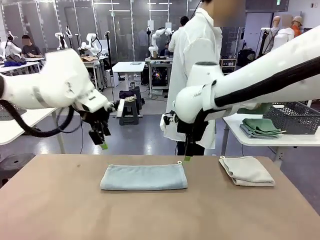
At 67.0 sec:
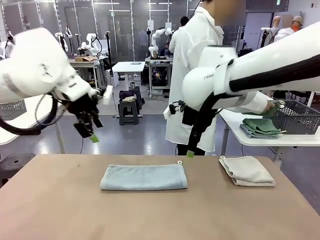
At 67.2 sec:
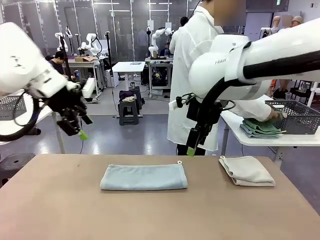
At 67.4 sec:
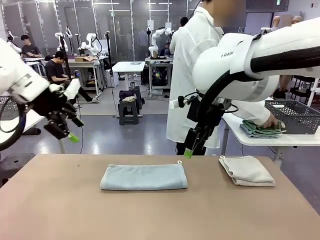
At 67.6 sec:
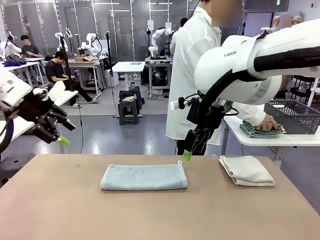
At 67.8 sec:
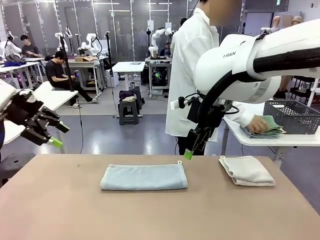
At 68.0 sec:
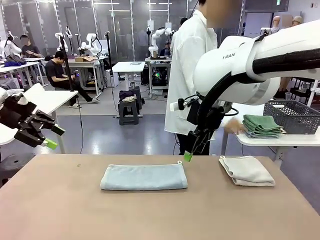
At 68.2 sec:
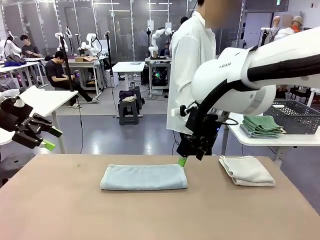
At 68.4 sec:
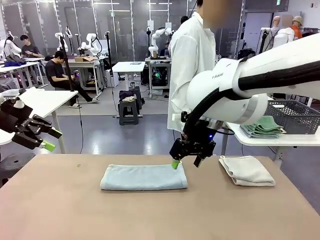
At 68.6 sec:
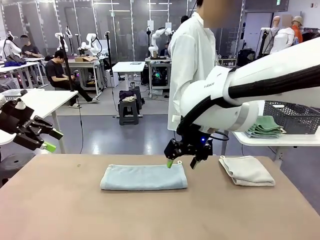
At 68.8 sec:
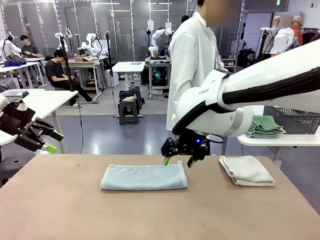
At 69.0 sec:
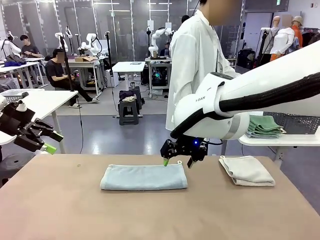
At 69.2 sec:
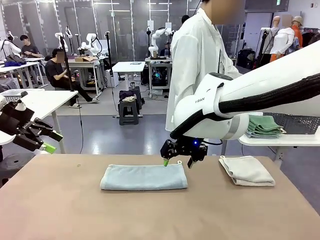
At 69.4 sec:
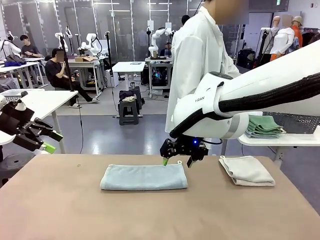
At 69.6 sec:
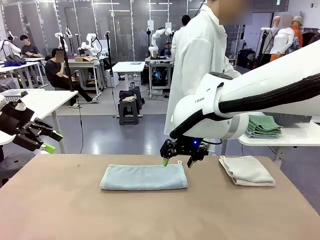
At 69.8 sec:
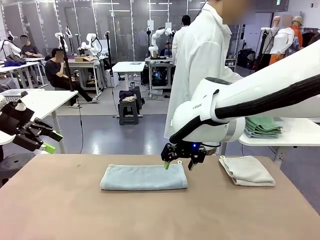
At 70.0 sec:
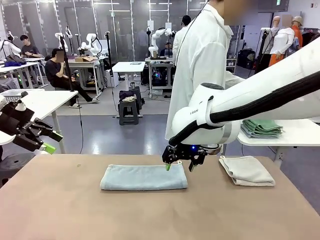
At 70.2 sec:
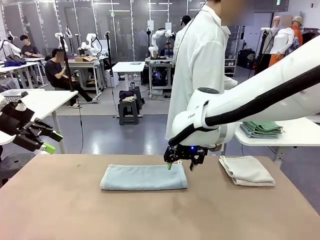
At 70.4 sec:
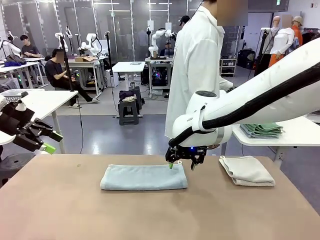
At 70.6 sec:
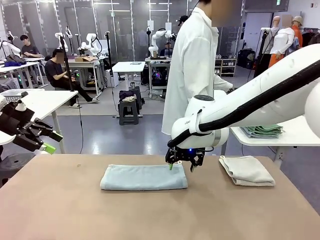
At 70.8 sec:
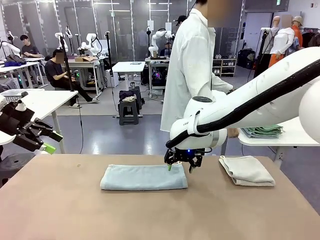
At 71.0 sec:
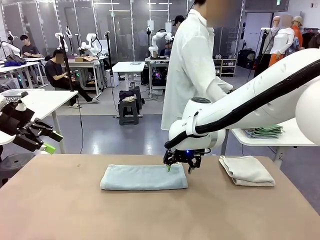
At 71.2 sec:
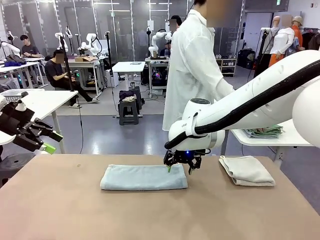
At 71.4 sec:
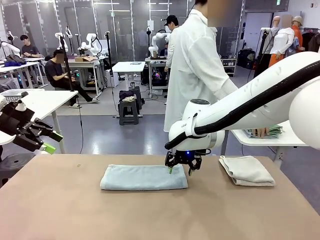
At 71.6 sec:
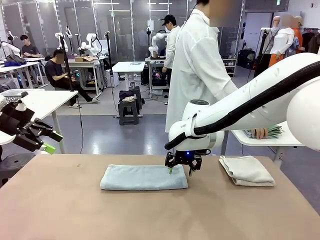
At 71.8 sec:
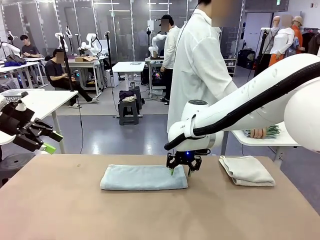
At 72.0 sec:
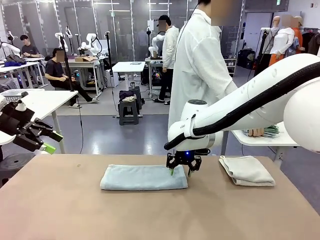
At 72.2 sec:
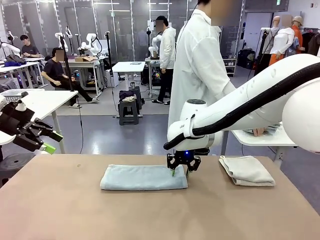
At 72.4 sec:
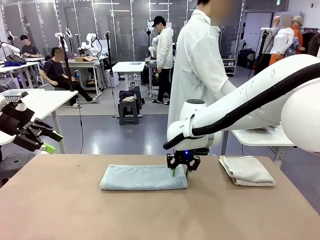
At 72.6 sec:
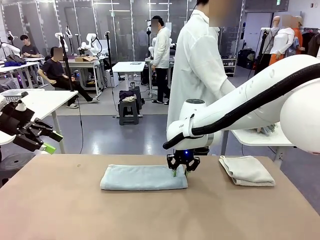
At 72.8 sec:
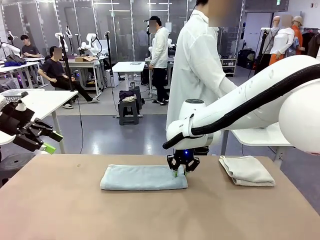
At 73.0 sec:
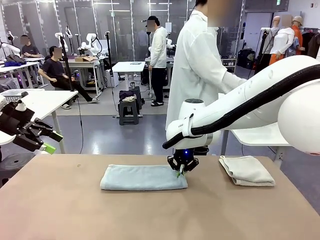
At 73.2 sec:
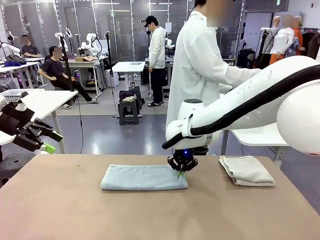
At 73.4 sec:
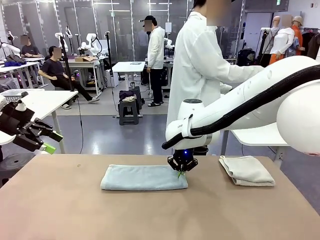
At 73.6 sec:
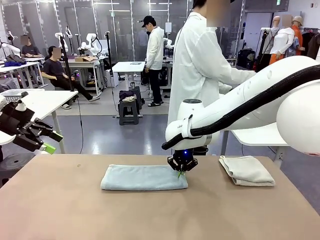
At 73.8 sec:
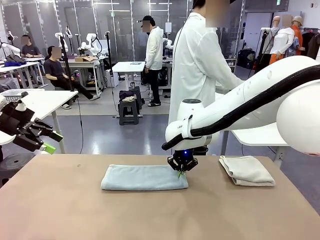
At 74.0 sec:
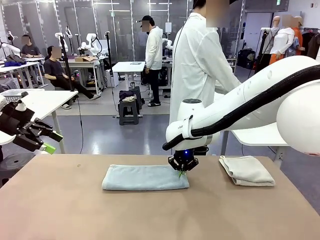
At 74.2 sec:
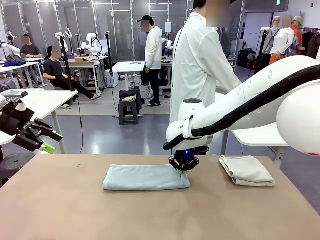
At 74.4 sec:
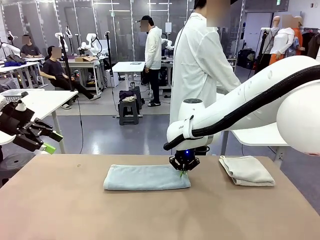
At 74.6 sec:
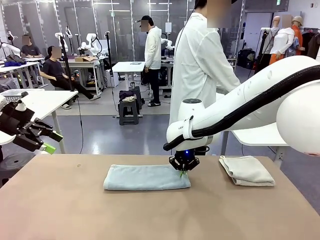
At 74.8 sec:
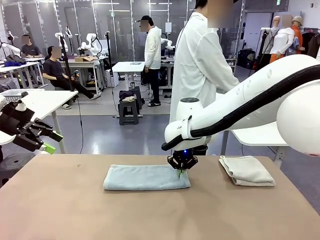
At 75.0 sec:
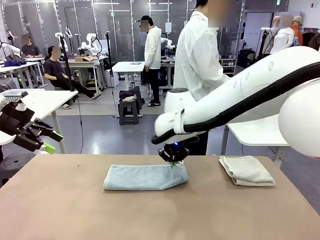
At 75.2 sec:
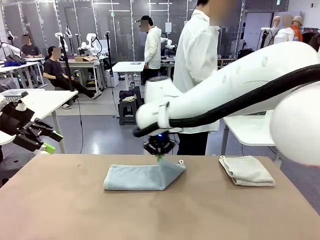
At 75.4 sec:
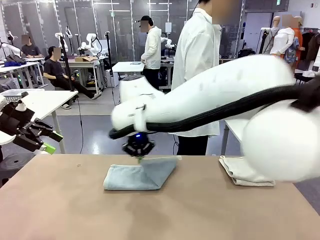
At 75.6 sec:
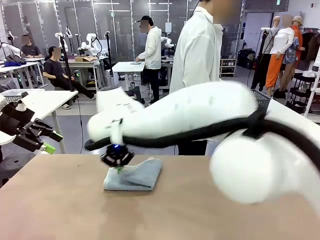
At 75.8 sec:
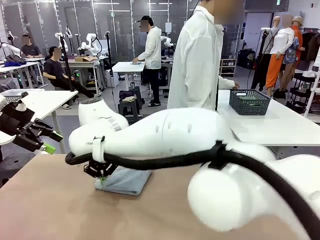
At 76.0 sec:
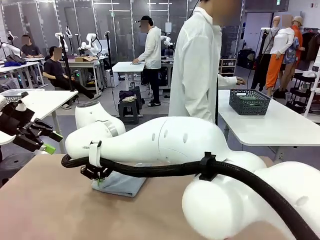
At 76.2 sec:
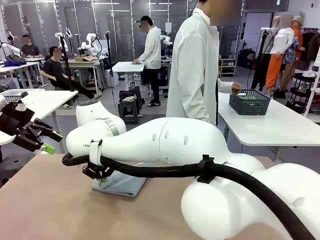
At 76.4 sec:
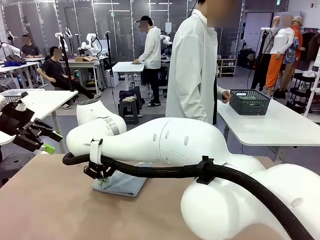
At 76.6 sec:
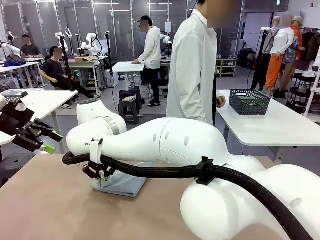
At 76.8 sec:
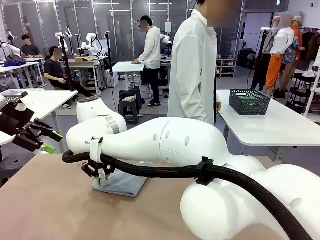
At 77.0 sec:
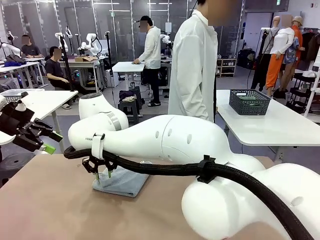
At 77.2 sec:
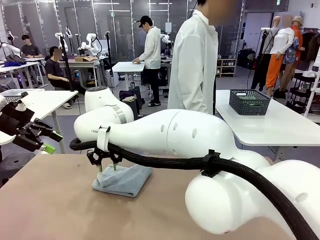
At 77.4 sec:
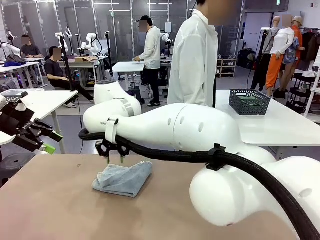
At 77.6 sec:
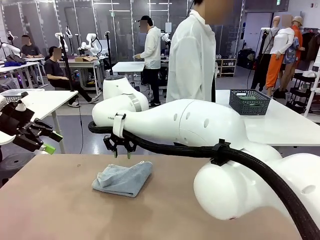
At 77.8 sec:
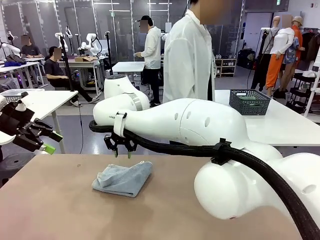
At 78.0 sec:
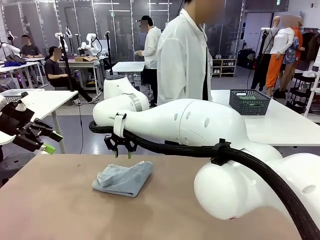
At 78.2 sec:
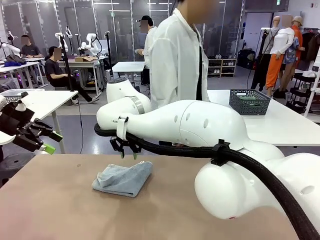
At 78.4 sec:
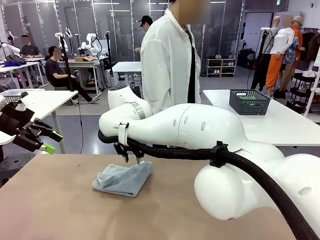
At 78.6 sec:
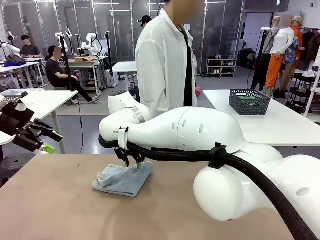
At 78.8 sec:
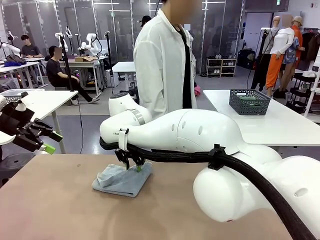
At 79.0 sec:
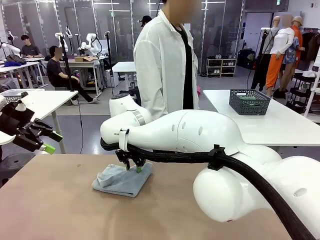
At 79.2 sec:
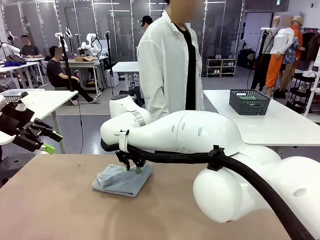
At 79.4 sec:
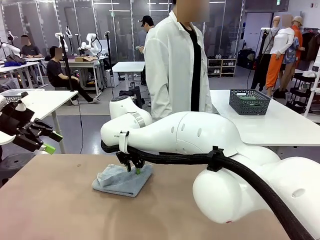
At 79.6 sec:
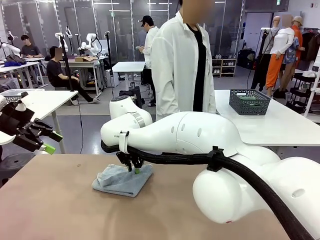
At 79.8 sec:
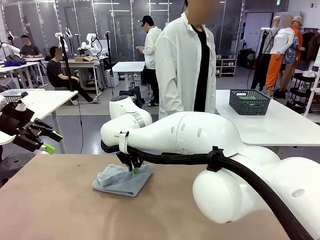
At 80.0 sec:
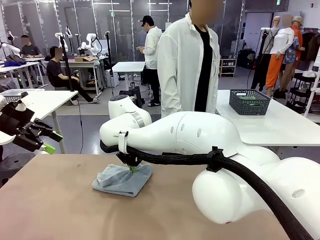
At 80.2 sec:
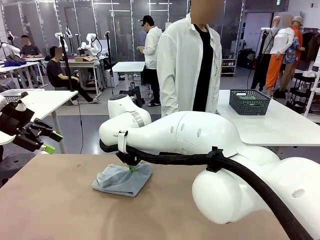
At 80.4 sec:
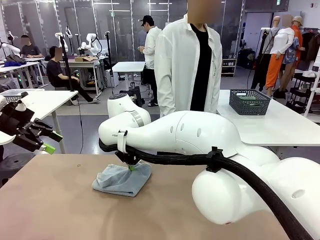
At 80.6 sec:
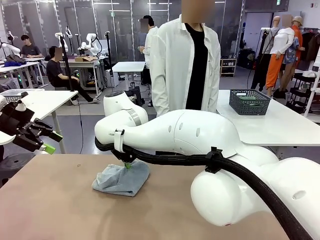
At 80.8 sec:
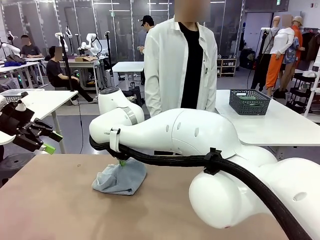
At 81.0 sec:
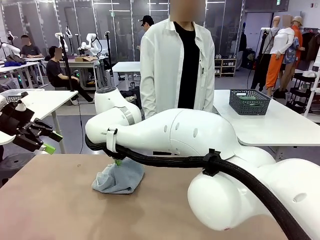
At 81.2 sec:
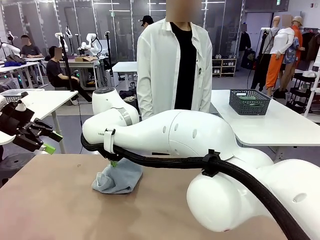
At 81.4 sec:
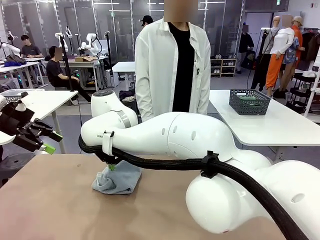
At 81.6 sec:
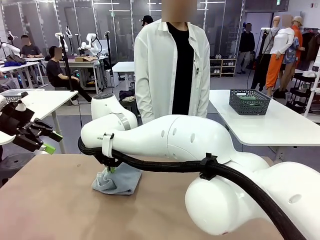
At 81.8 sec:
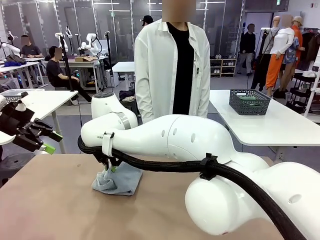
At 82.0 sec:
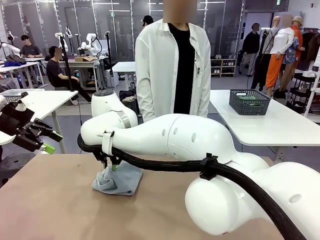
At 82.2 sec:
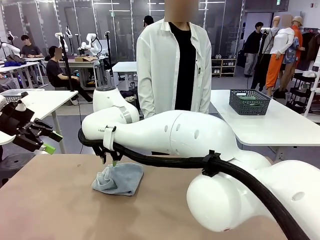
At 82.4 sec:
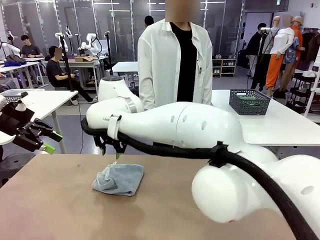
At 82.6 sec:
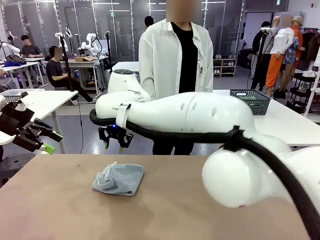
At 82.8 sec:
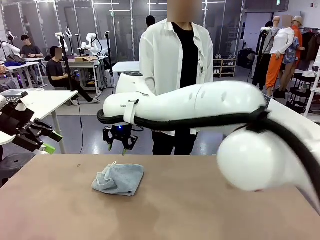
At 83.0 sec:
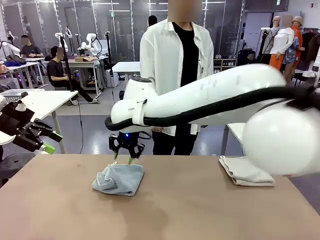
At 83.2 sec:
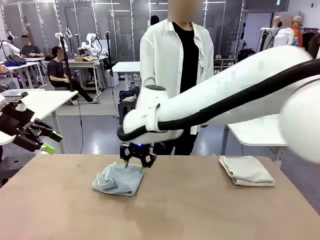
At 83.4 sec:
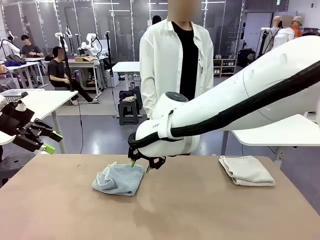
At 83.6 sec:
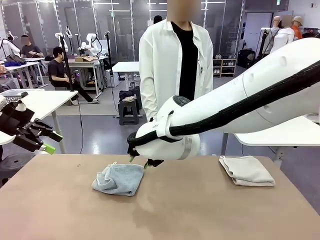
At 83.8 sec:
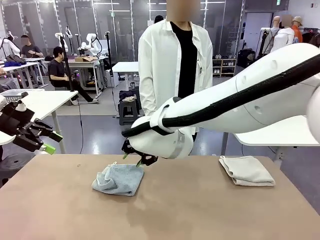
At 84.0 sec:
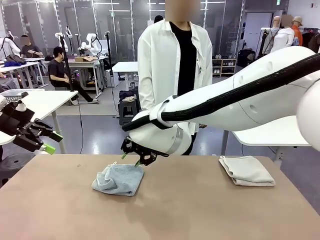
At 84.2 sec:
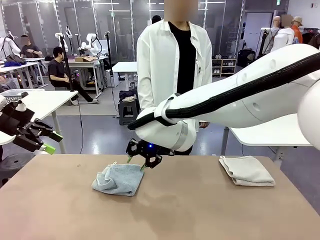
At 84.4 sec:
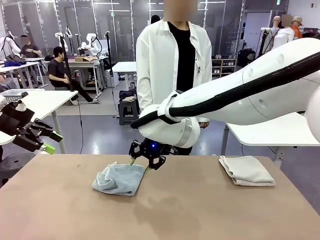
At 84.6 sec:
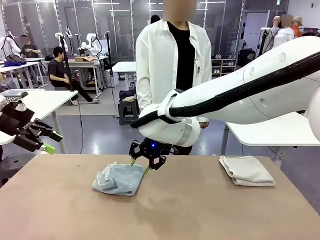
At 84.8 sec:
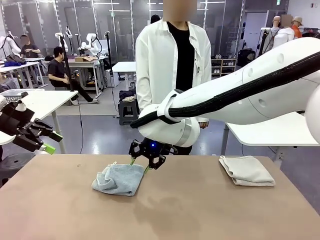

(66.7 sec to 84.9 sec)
Task: Fold the towels and place them in the basket.
Robot: When a person lays out a Towel with hook on the table, fold it in half twice.
Person: Pick up the stack of towels from the right side of the human table, place it into the basket, and put the basket at the center of the table.
